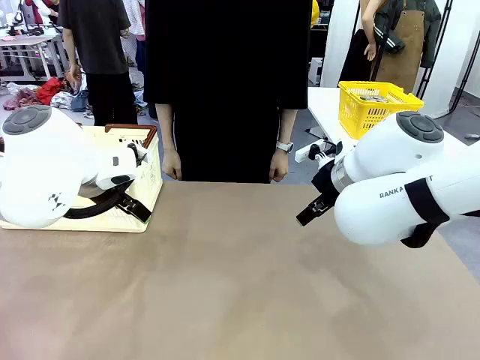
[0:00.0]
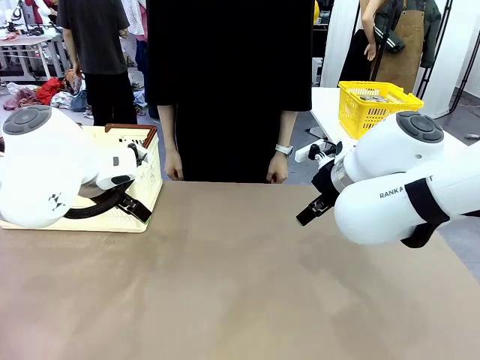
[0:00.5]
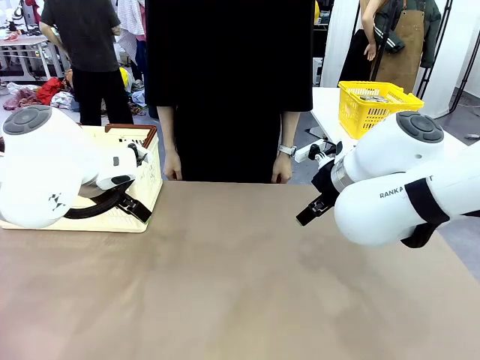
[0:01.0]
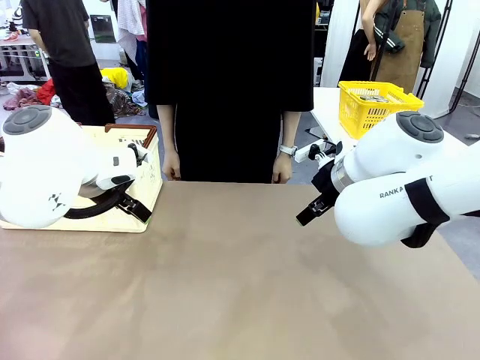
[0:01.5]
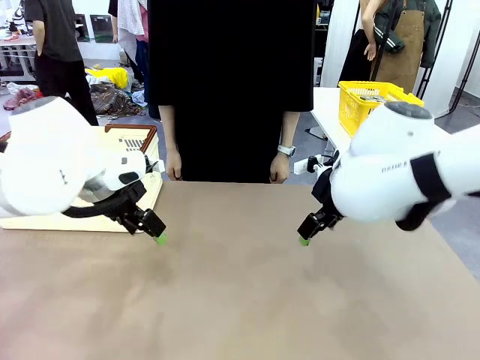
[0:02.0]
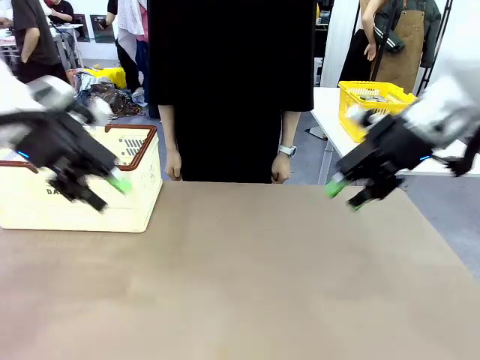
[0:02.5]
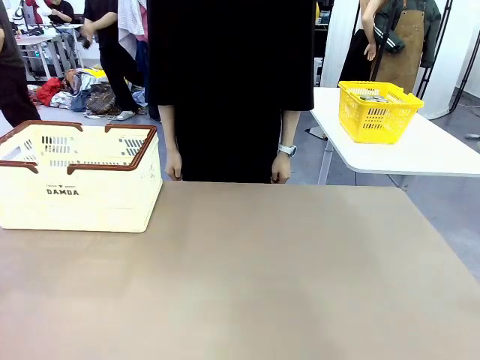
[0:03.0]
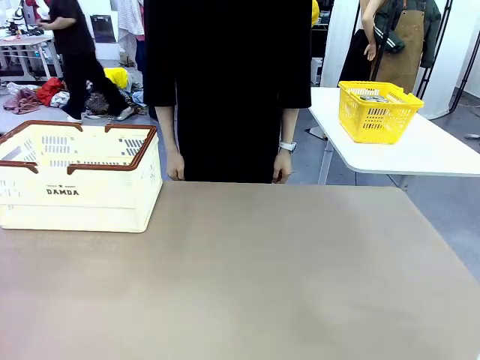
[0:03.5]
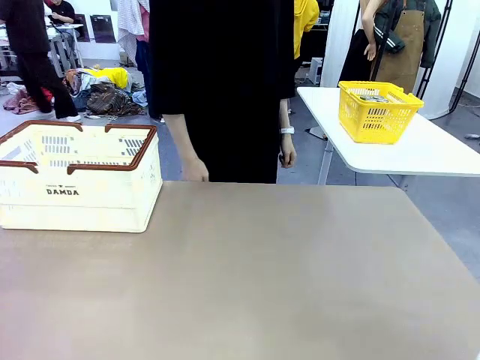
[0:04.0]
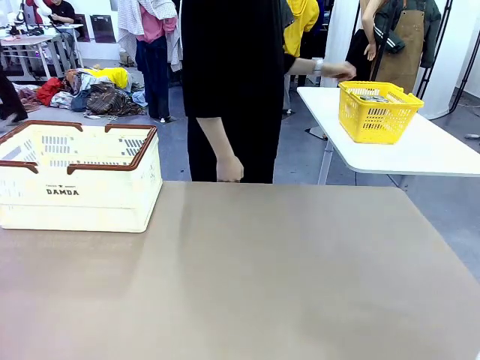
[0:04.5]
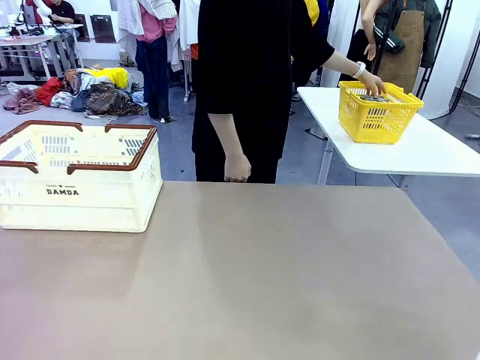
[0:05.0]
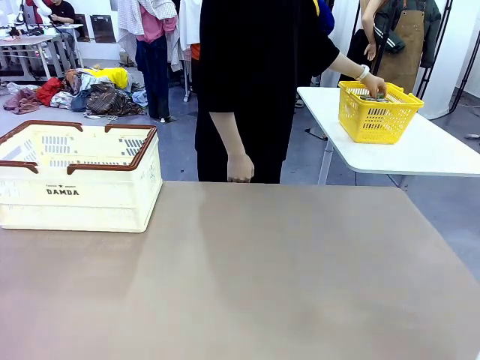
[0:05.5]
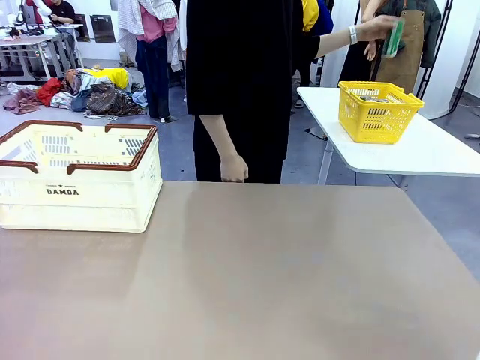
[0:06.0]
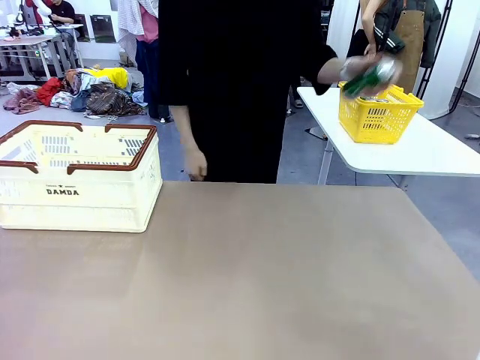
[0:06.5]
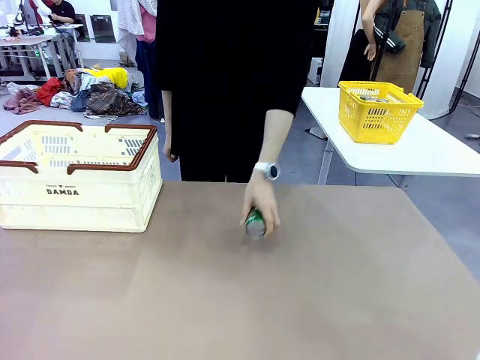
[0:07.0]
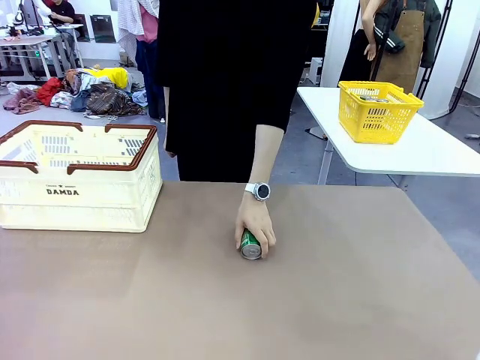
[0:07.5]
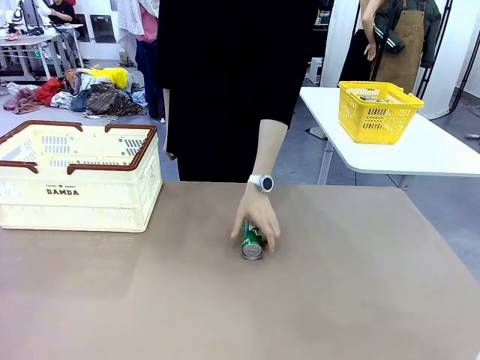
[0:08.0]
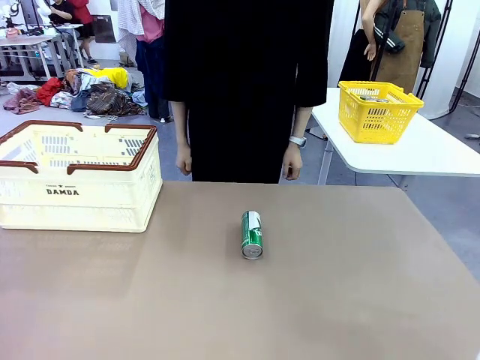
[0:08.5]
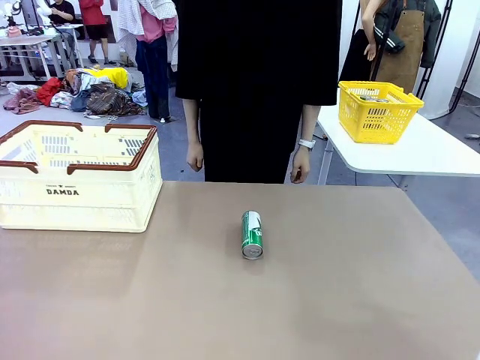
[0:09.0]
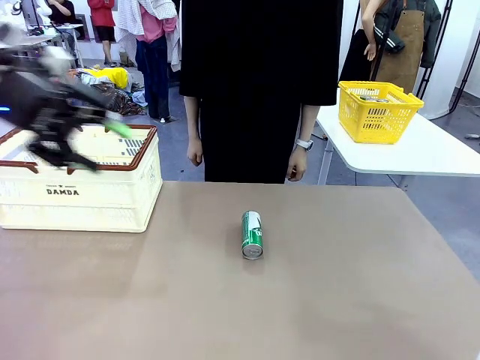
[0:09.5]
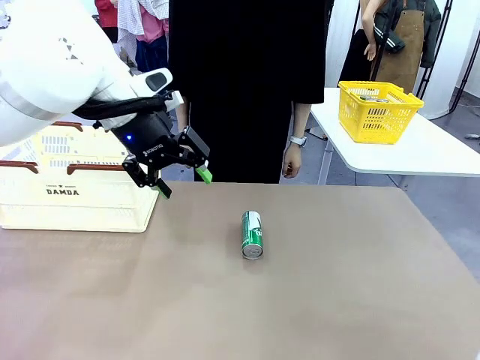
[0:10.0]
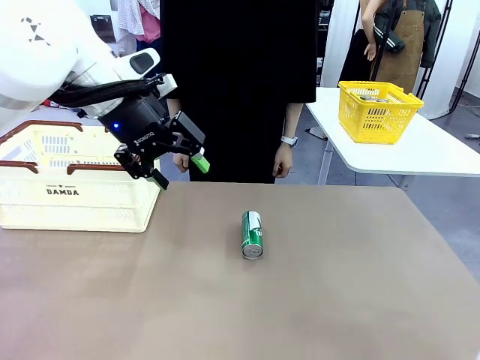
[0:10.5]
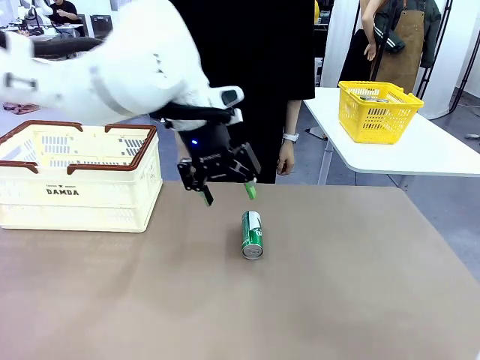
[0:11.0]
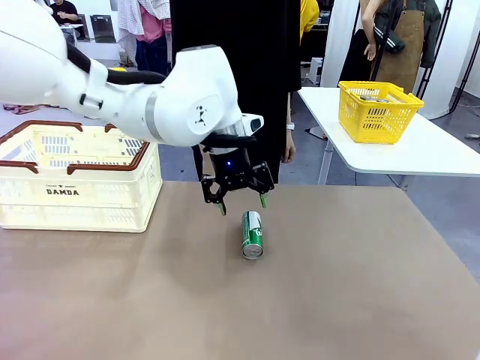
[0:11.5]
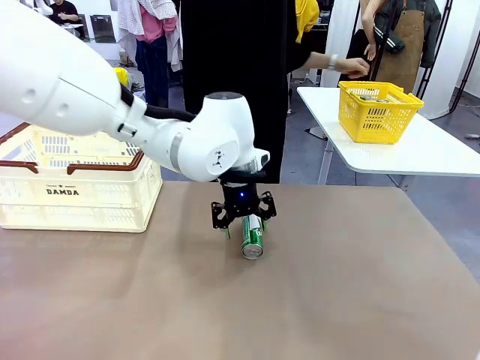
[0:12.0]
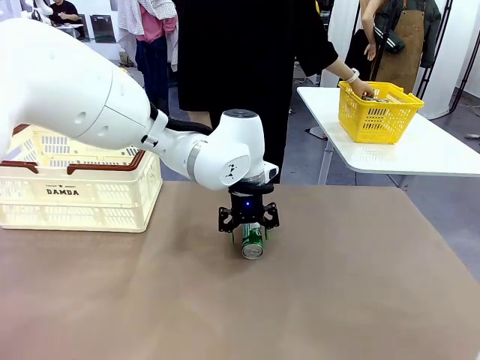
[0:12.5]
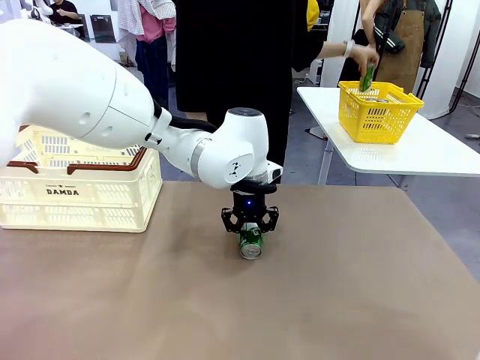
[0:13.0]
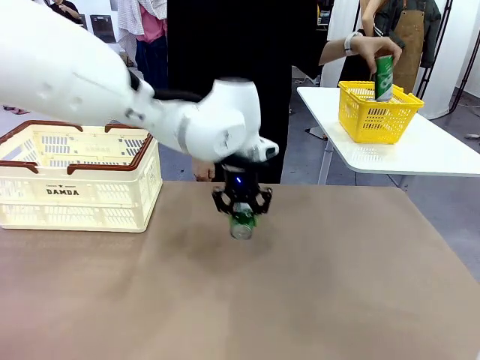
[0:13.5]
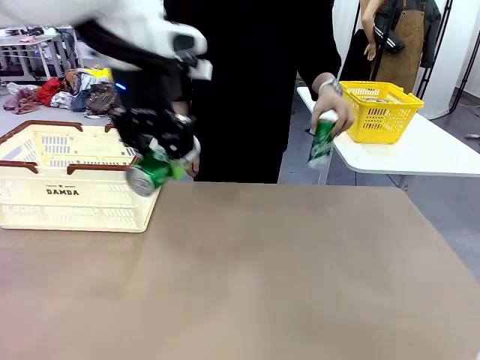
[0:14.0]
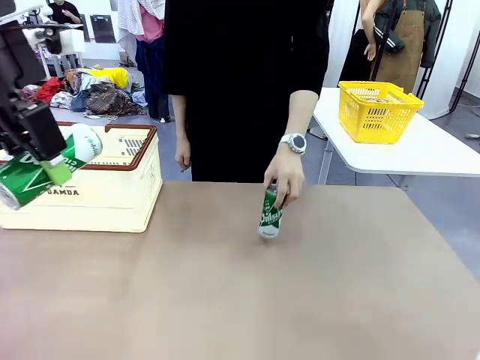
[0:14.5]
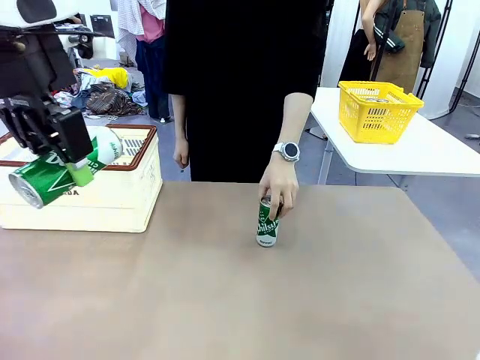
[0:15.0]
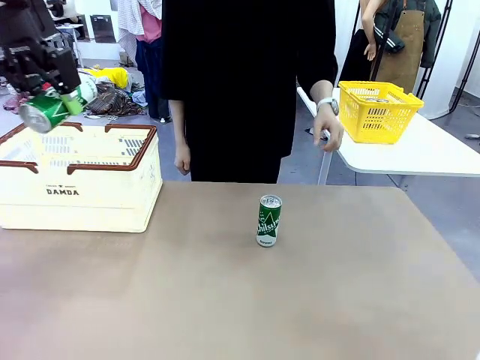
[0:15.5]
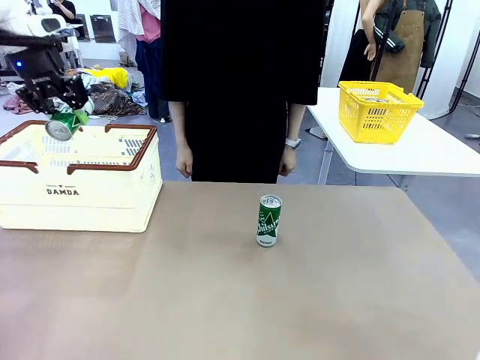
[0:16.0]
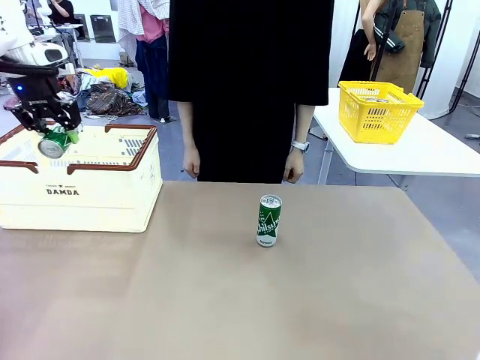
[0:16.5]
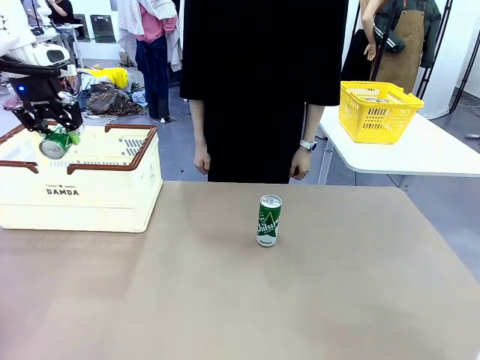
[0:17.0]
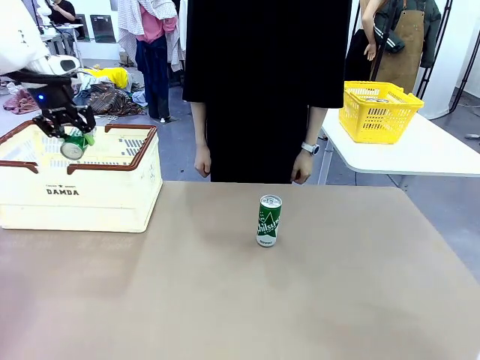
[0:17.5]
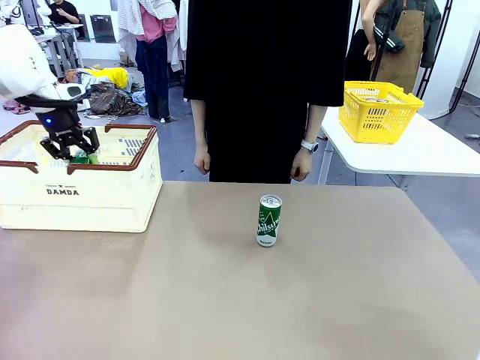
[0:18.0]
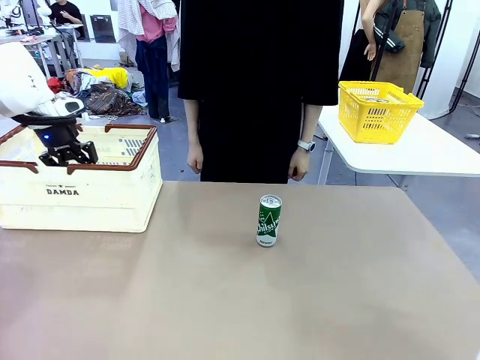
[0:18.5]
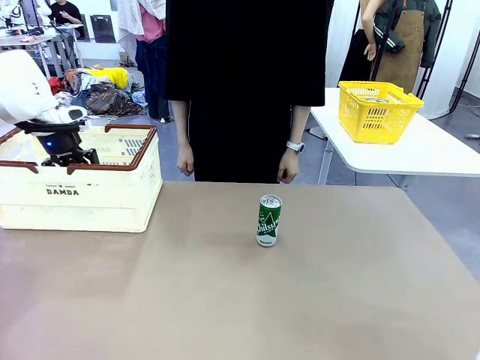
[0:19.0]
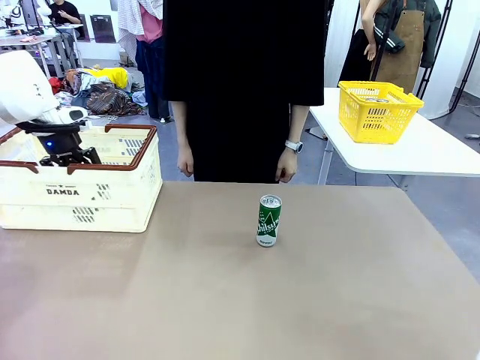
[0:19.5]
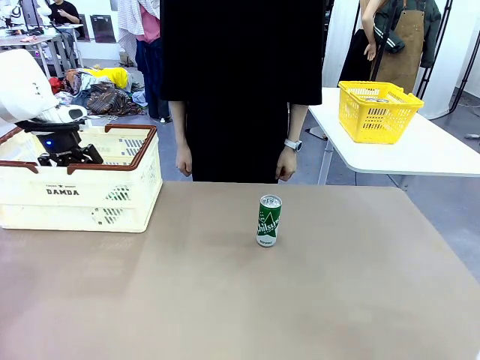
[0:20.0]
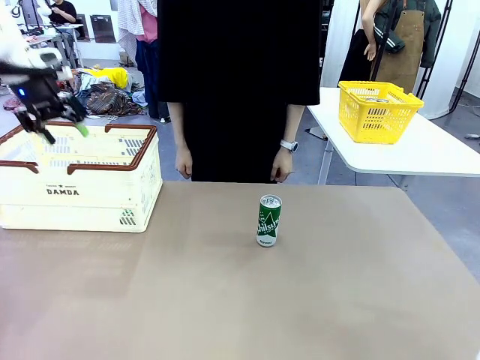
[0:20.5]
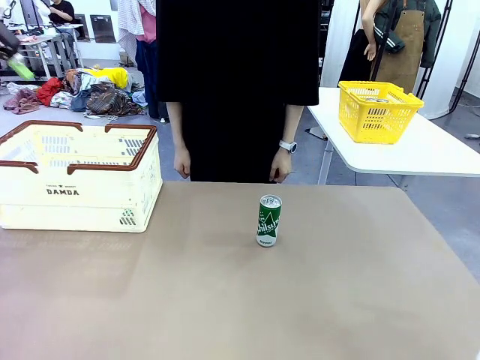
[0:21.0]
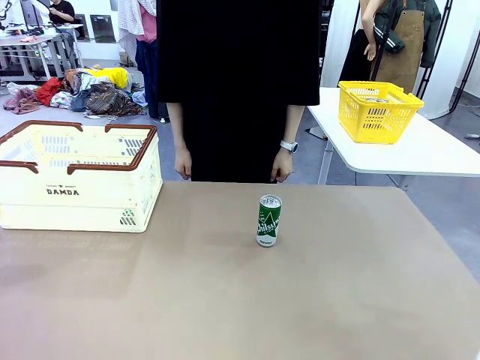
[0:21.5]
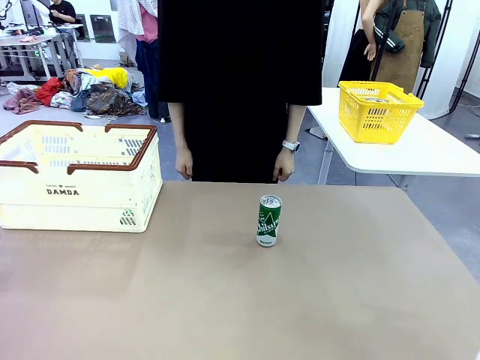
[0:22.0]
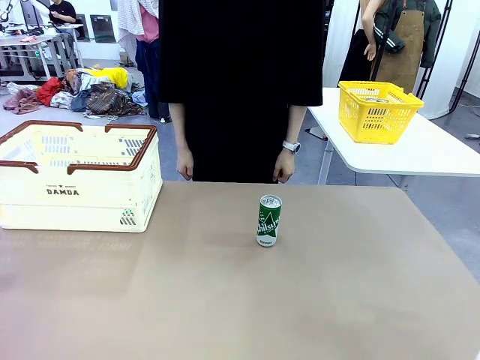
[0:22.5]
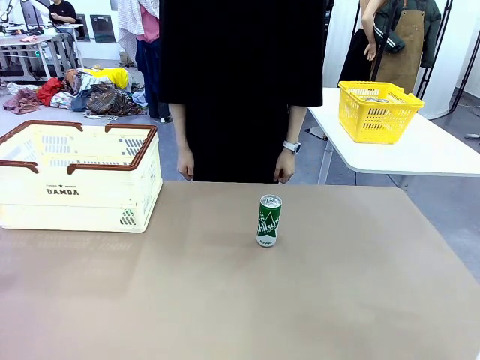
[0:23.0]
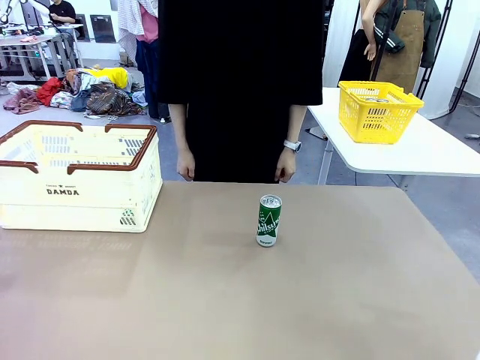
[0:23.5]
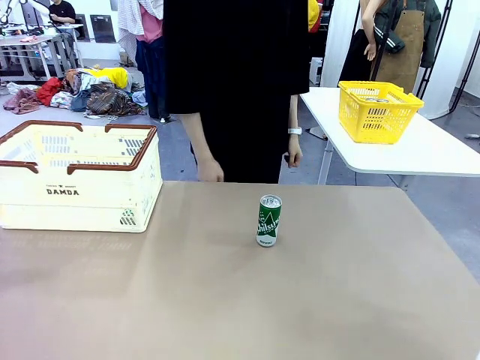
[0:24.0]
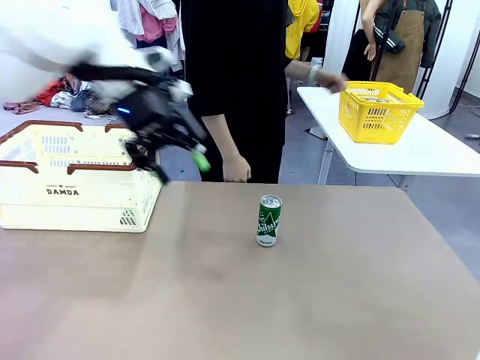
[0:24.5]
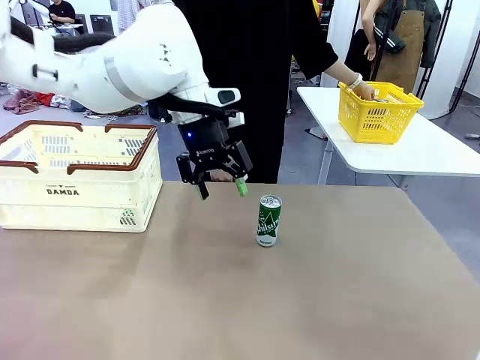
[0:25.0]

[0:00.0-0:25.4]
Task: Place the drinks into the Shopping basket.
Robot: Pick up one drink and place it into the Shopping basket.
